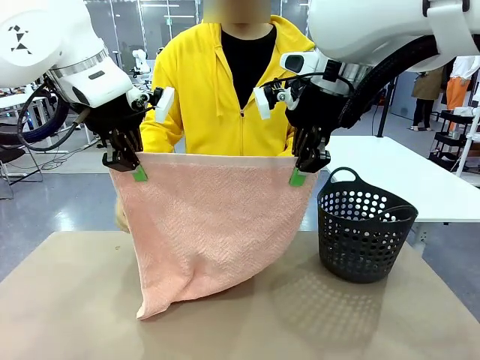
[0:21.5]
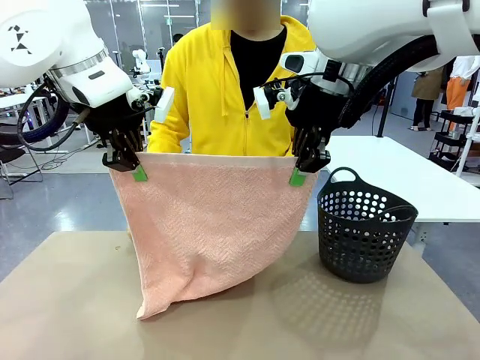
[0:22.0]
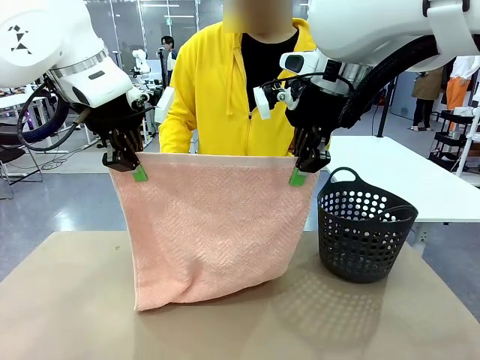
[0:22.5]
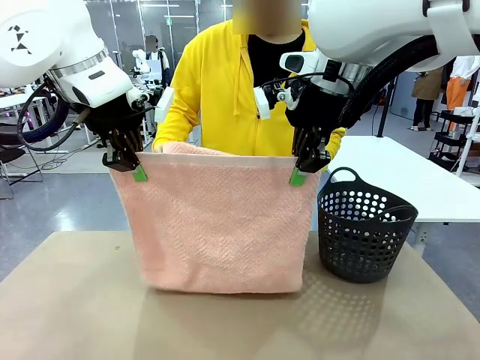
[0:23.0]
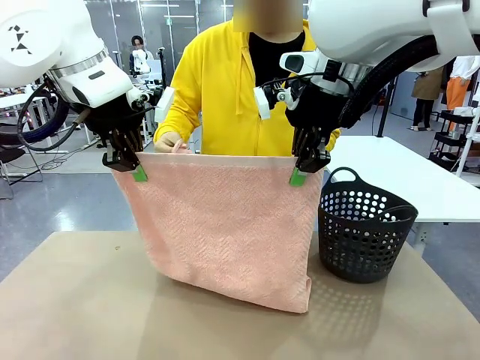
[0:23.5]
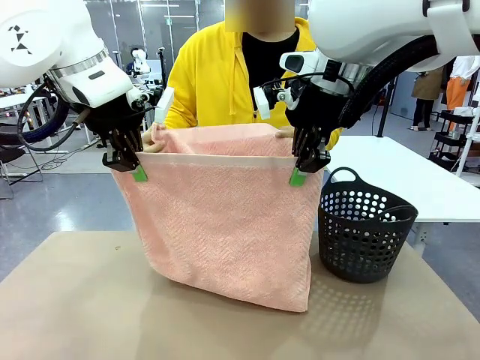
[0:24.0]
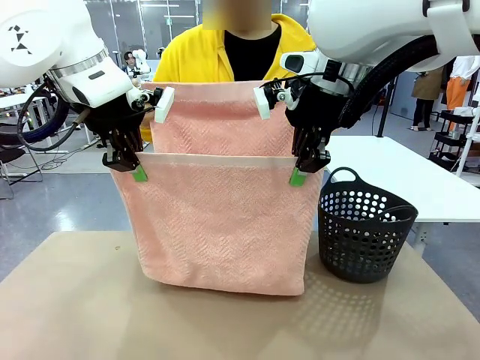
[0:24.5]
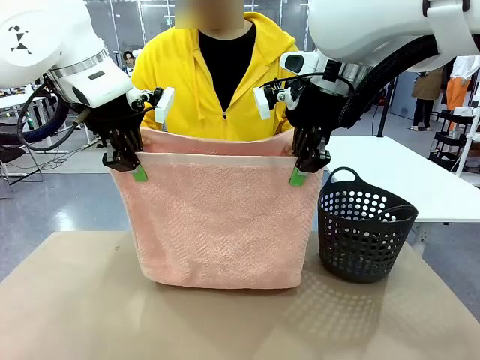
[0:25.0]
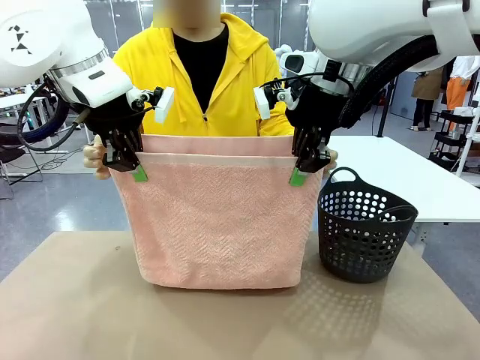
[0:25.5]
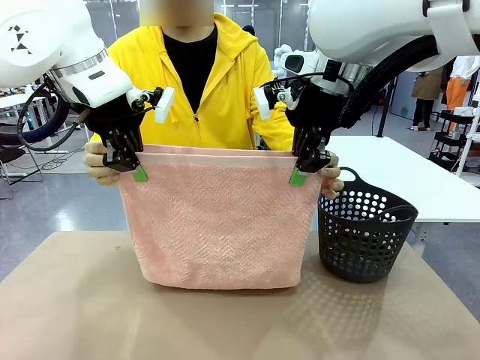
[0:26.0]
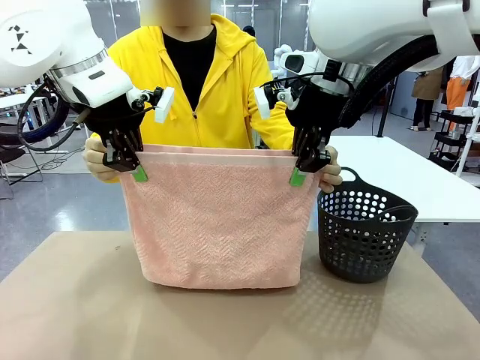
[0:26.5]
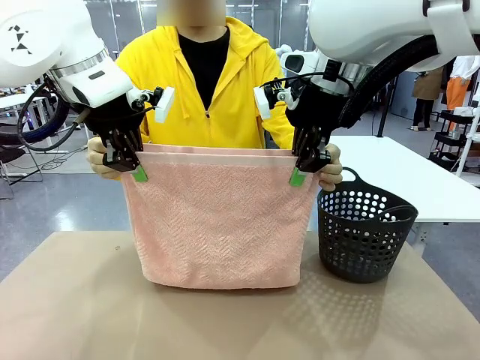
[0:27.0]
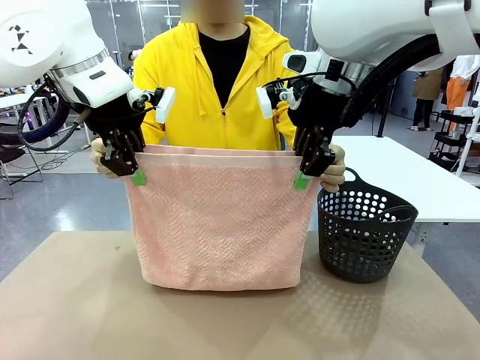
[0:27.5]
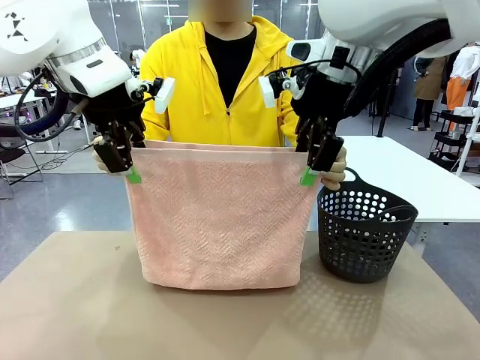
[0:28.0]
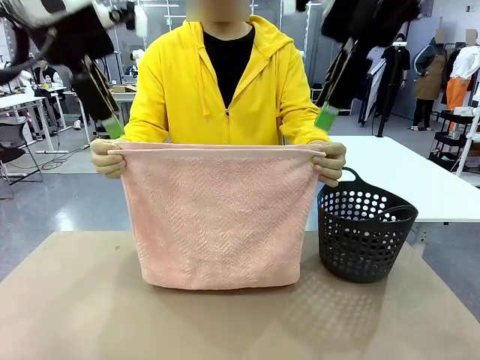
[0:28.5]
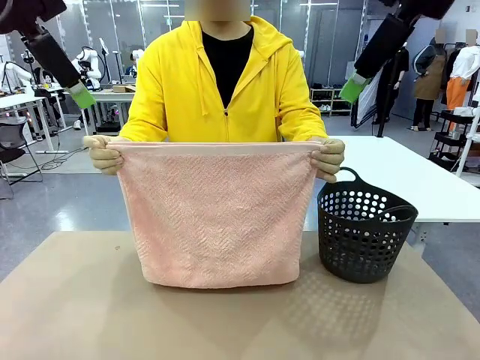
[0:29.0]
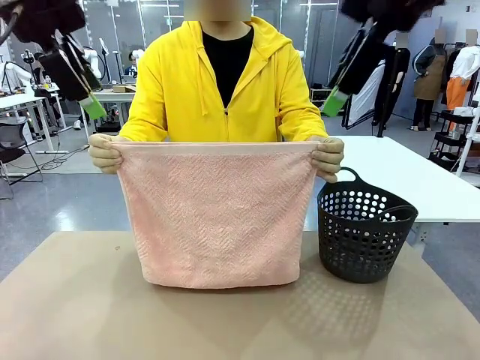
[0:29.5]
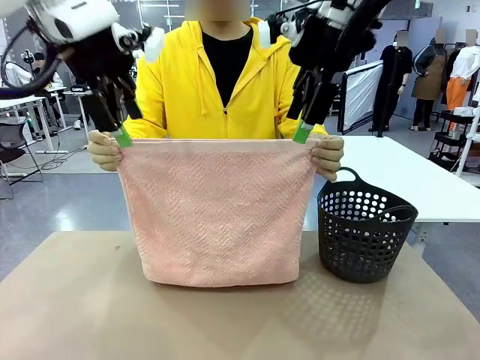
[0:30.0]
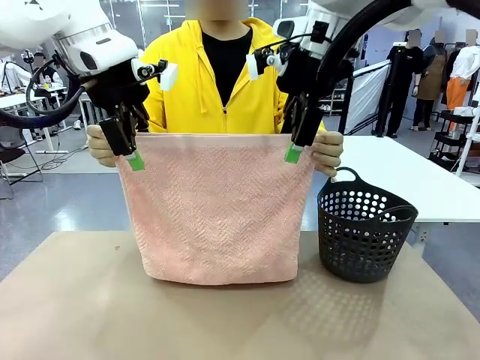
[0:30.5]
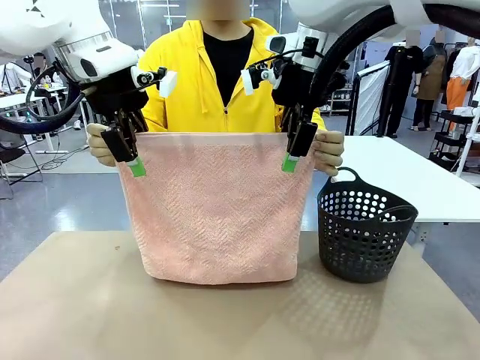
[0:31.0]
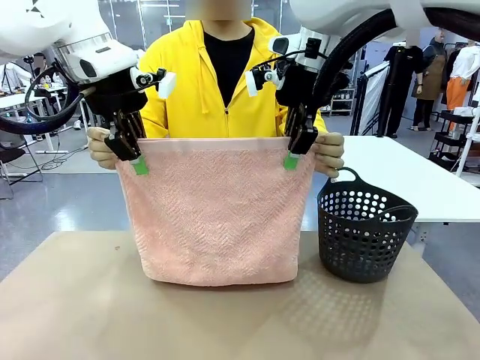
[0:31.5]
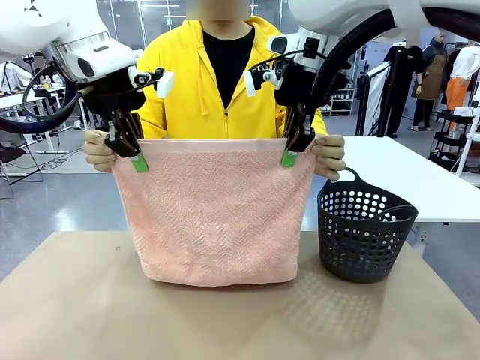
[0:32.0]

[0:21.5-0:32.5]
Task: Fold the towel.
Robot: Release the end of the 100 cm Hotel Towel you were holding and grab the top end of the folded side.
Person: Using the point held by the robot as a reference, grasp the opposite end, fold the towel in half, and then hold both ends of the folded towel.

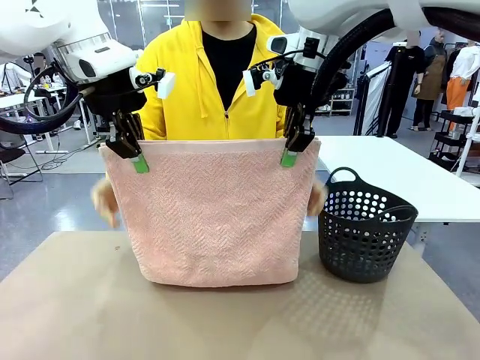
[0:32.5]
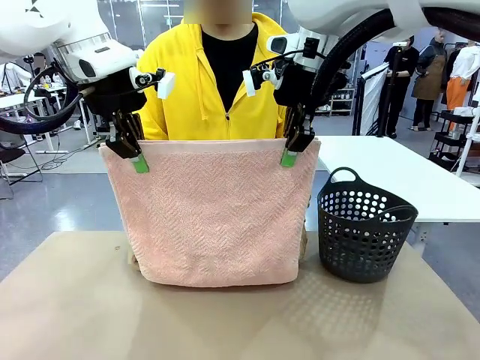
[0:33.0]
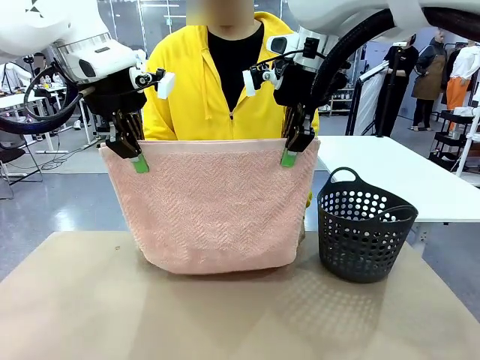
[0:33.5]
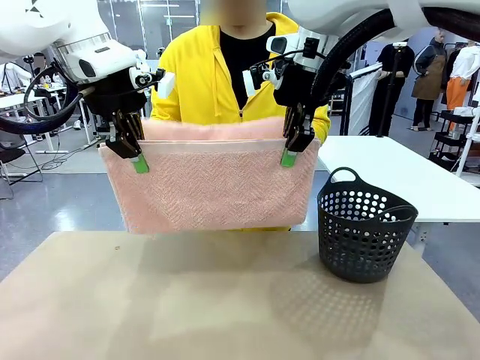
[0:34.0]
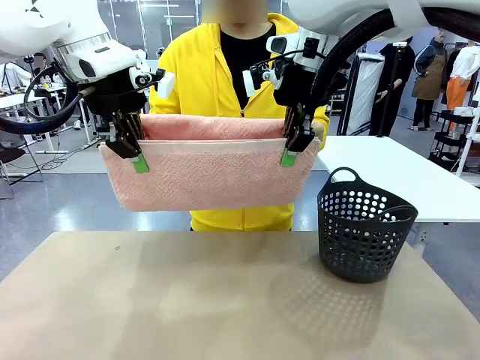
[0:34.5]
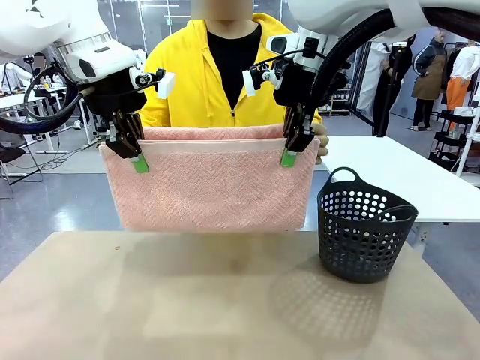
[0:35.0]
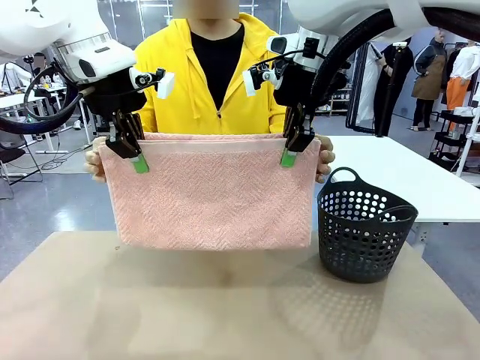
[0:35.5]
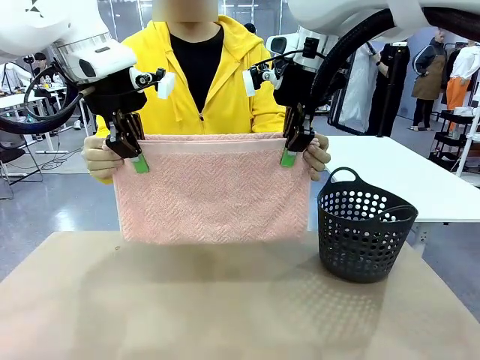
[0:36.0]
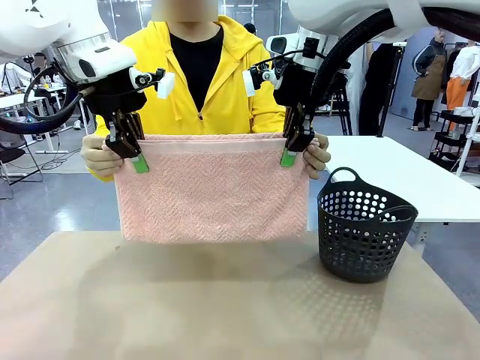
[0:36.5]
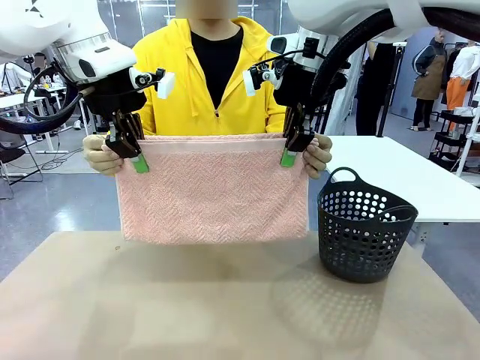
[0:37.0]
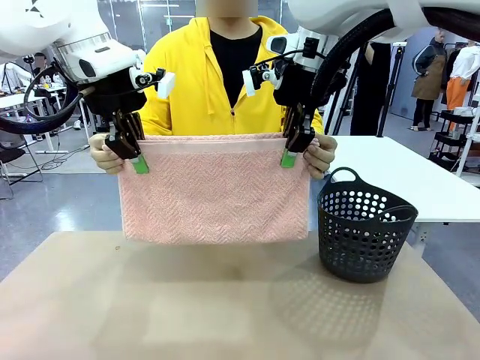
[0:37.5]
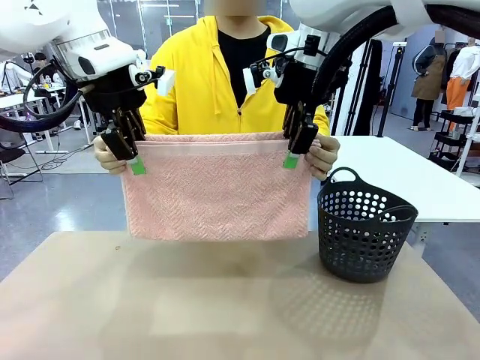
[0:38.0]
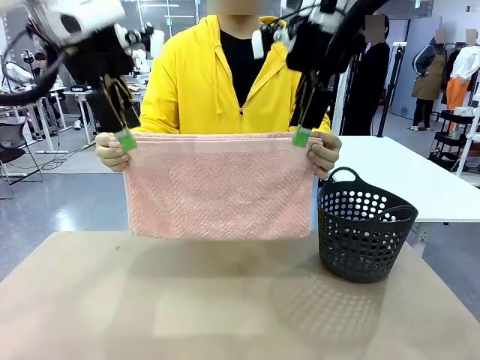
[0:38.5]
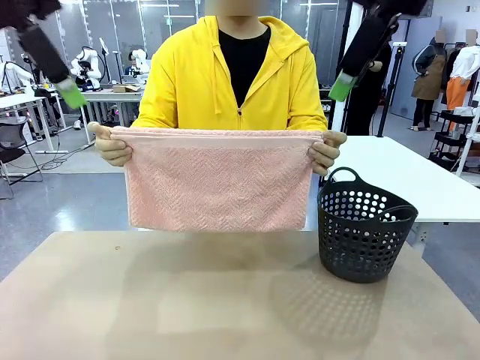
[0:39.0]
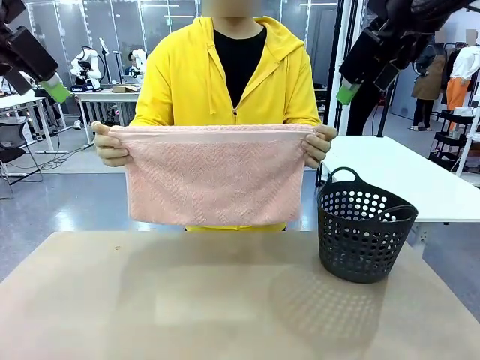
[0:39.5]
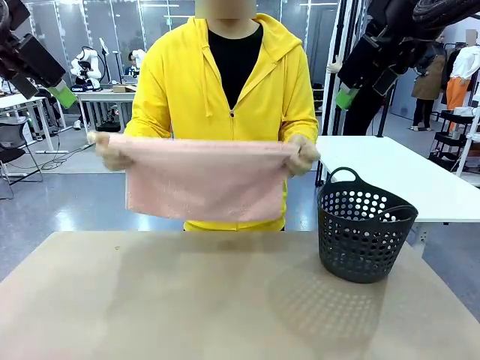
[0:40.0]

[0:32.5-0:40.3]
Robot: Release the end of the 100 cm Hotel Towel you were holding.

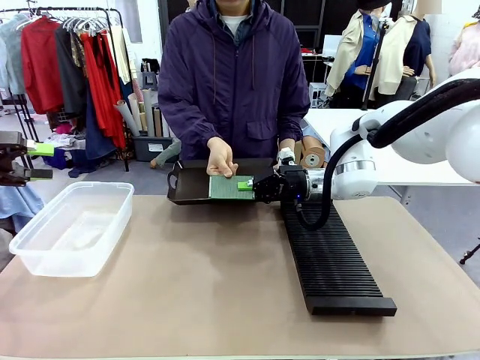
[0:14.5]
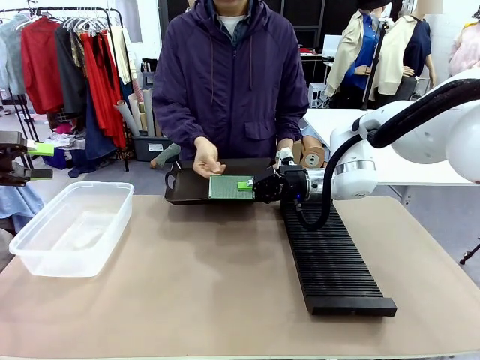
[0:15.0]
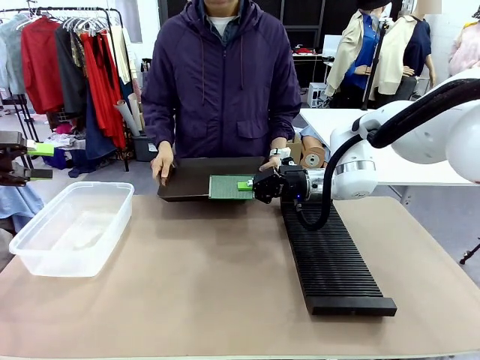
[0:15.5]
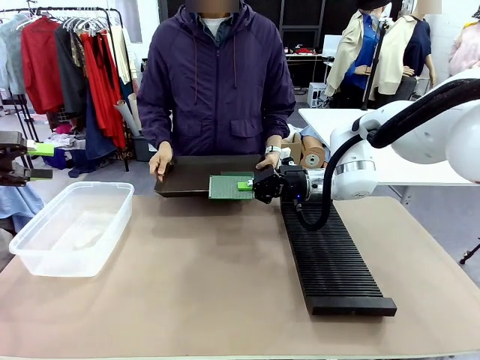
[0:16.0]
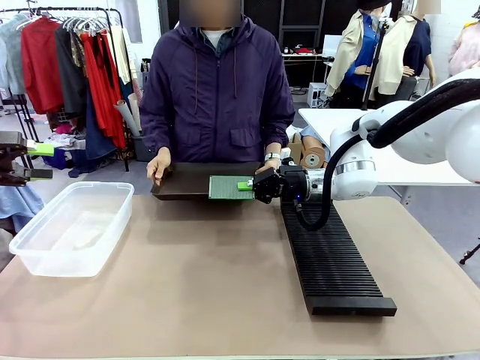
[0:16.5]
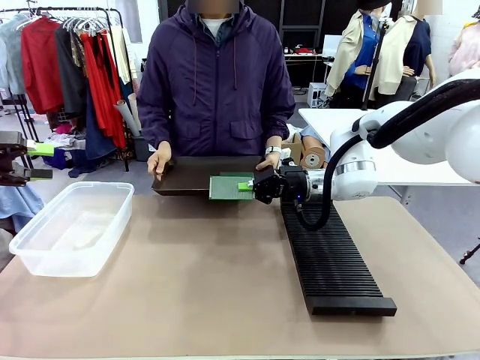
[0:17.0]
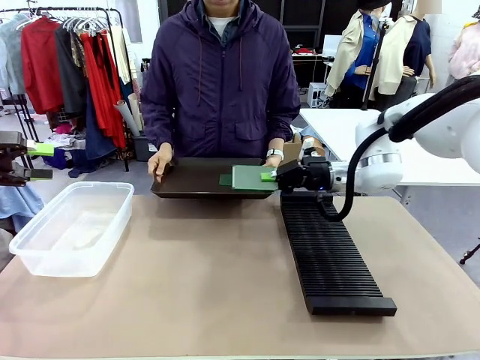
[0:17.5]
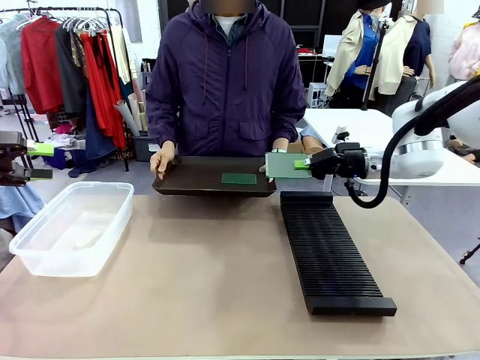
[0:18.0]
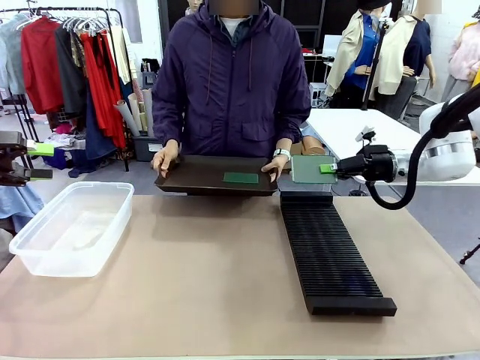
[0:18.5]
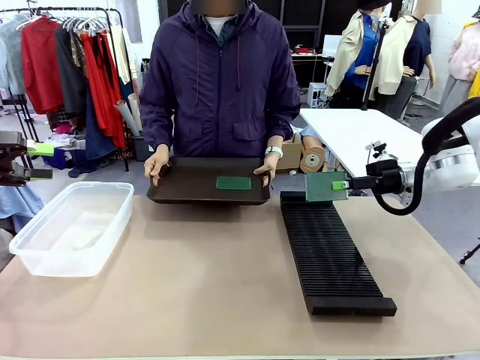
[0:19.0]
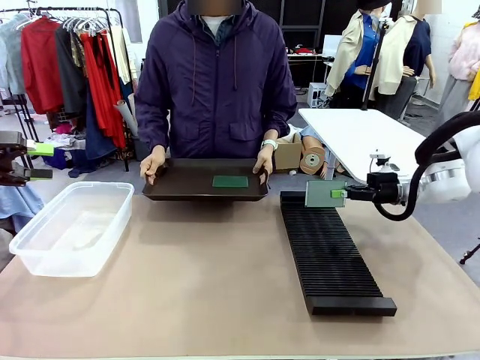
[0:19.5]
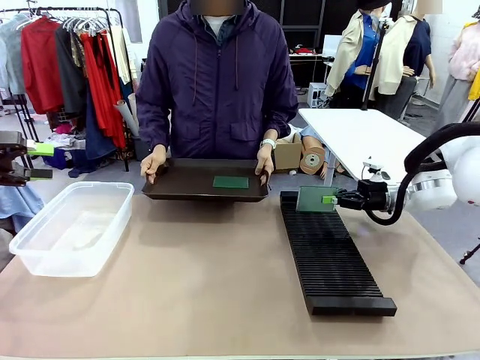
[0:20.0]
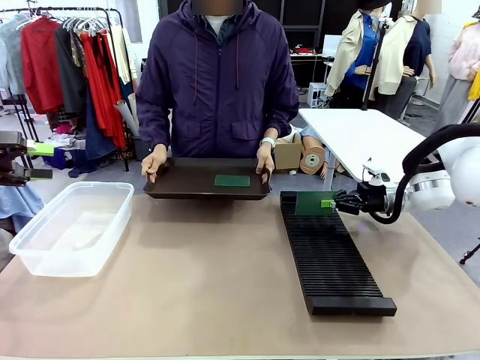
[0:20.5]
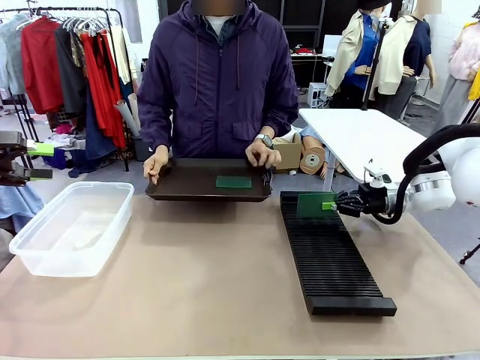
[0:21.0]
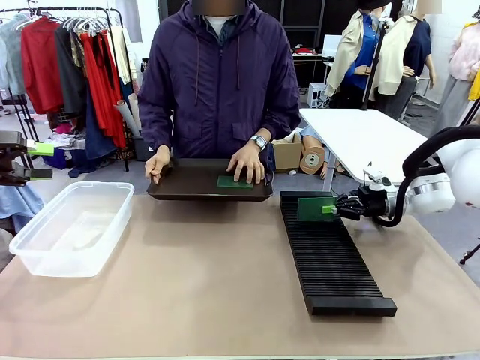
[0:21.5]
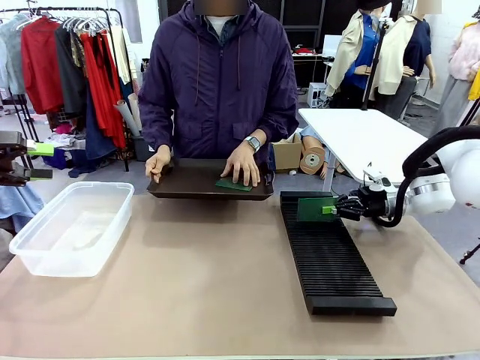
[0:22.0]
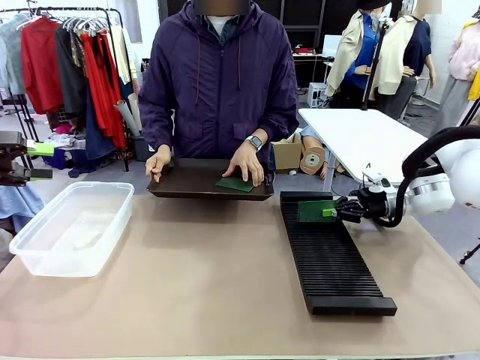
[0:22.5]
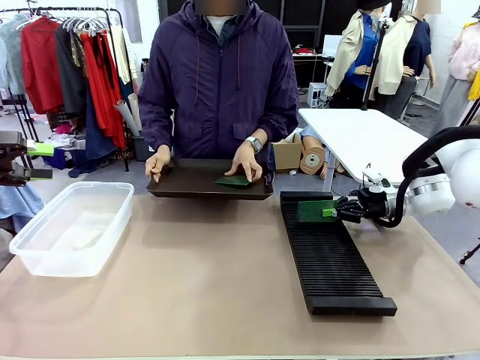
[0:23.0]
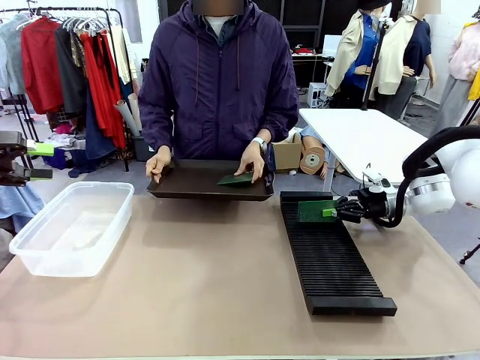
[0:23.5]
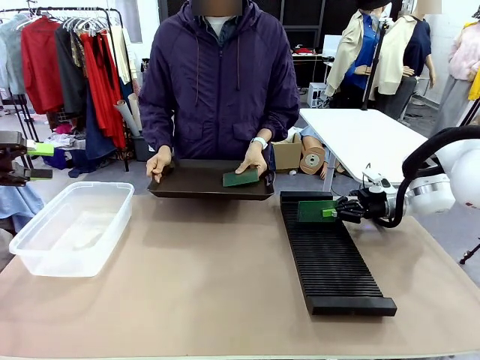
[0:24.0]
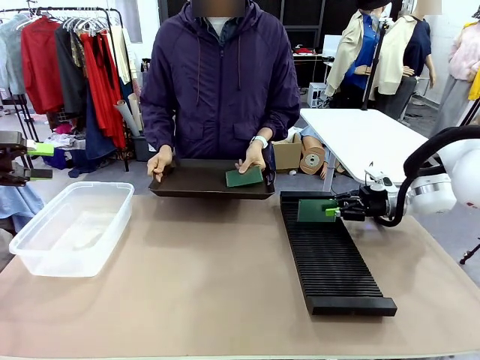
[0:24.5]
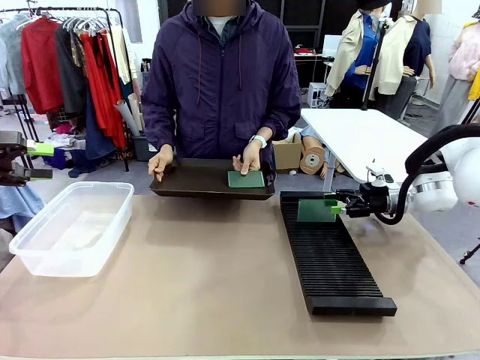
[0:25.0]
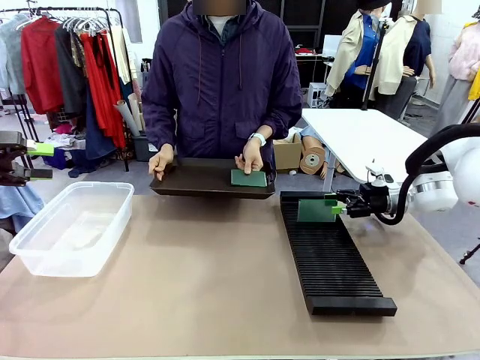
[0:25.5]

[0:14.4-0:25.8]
Task: Sort PCBs into racks and boxes based on the side picked up.
Robot: If the short side of the Blank PCB is picked up, insert it into the PCB Rack ; if the long side is picked up, place it in the Organizing box.
Person: Pick one PCB from the tray and present it to the robot.
